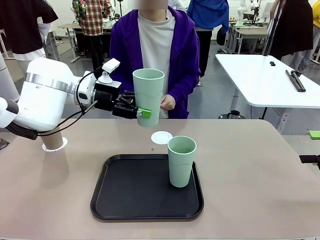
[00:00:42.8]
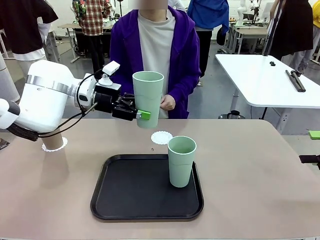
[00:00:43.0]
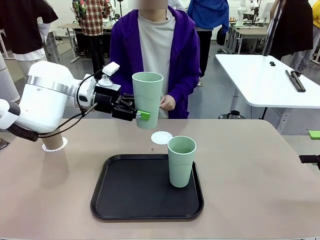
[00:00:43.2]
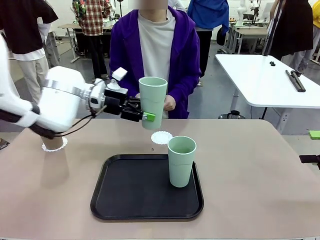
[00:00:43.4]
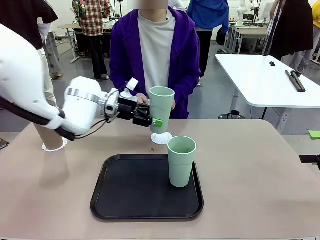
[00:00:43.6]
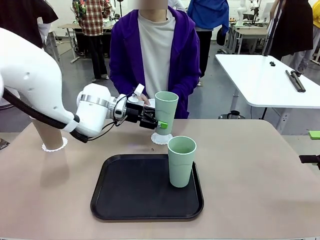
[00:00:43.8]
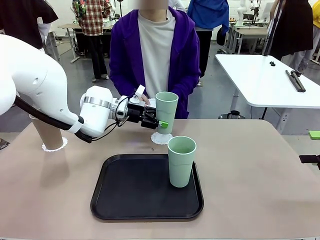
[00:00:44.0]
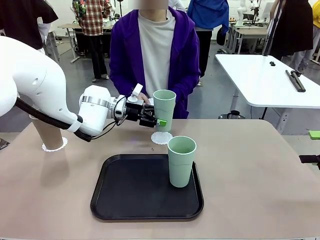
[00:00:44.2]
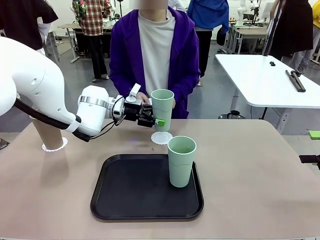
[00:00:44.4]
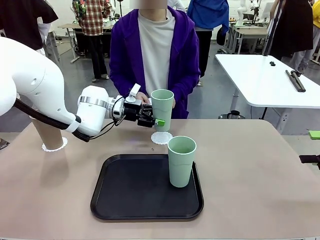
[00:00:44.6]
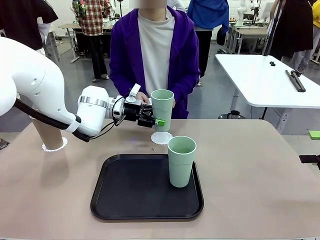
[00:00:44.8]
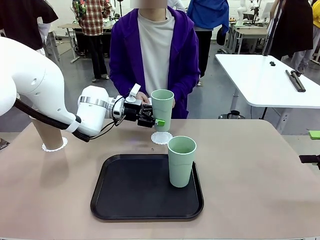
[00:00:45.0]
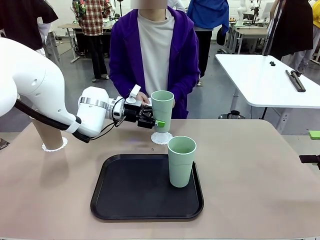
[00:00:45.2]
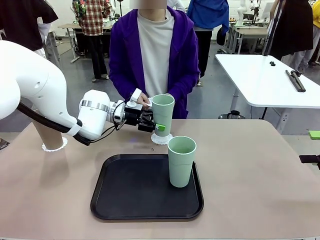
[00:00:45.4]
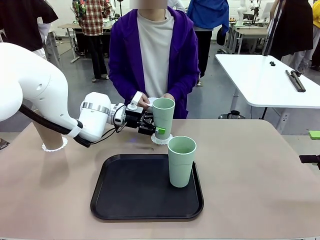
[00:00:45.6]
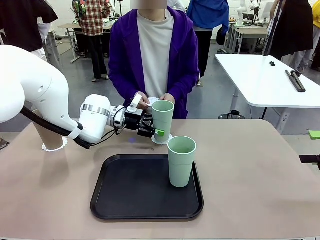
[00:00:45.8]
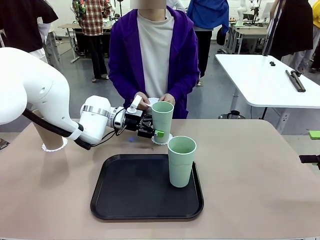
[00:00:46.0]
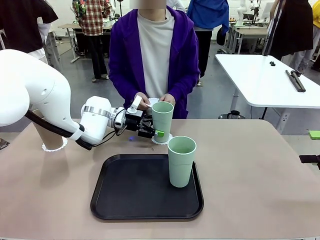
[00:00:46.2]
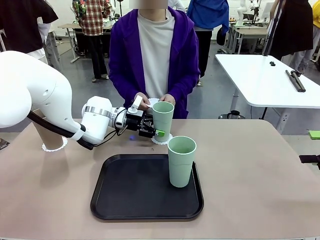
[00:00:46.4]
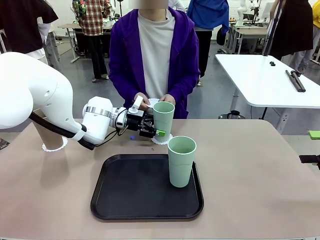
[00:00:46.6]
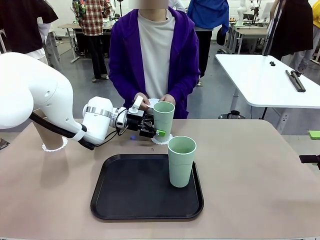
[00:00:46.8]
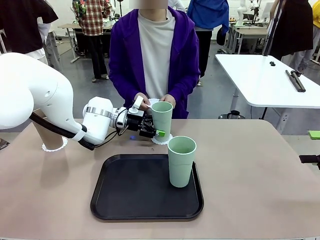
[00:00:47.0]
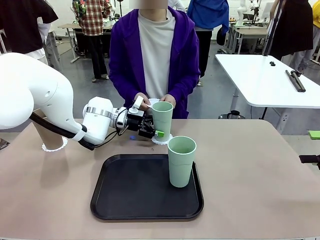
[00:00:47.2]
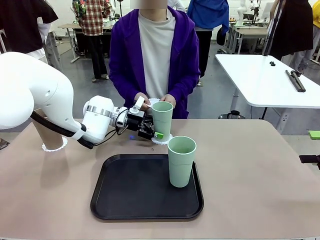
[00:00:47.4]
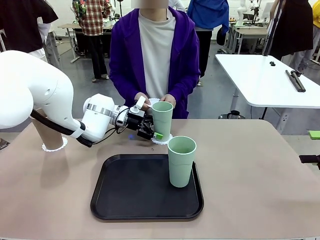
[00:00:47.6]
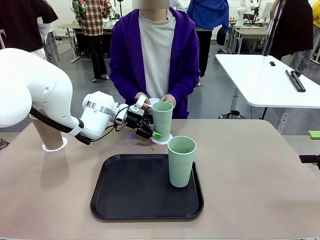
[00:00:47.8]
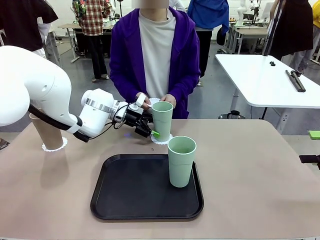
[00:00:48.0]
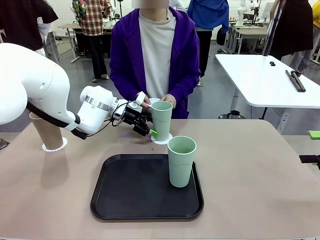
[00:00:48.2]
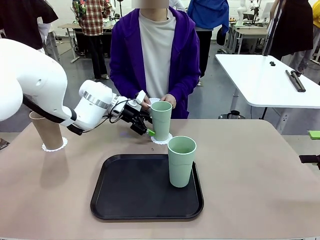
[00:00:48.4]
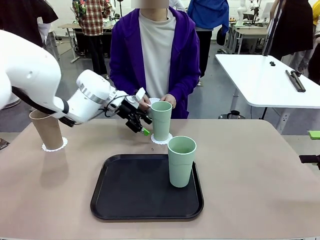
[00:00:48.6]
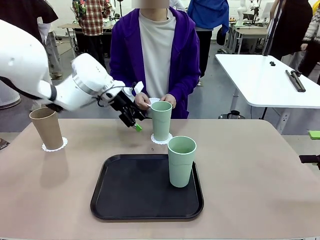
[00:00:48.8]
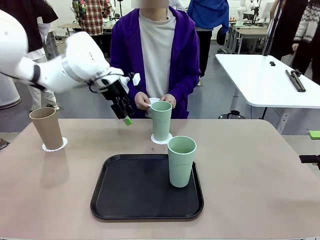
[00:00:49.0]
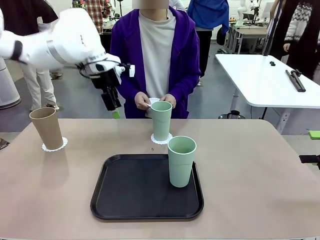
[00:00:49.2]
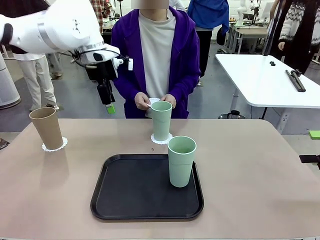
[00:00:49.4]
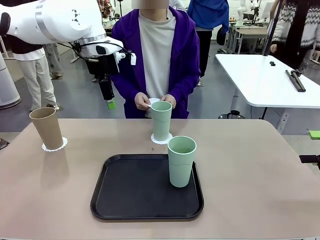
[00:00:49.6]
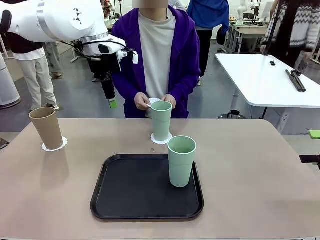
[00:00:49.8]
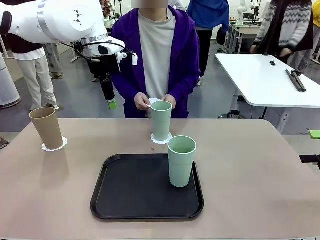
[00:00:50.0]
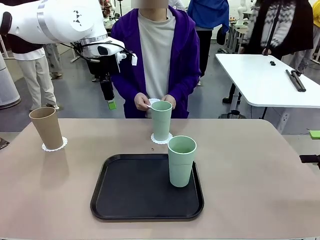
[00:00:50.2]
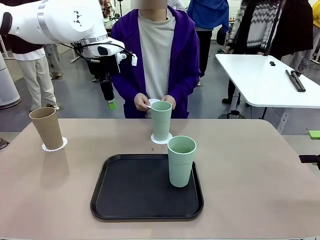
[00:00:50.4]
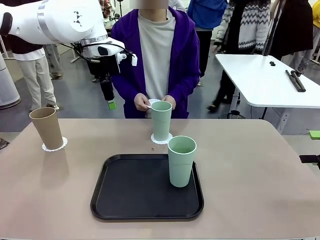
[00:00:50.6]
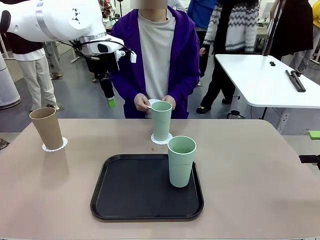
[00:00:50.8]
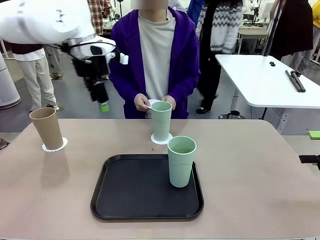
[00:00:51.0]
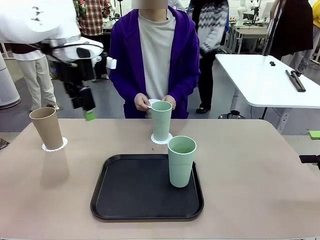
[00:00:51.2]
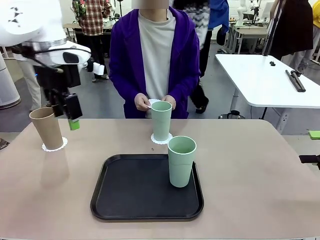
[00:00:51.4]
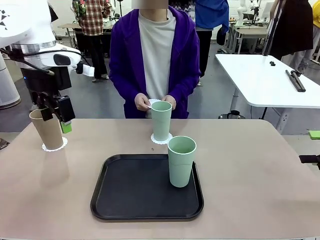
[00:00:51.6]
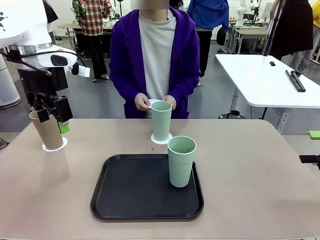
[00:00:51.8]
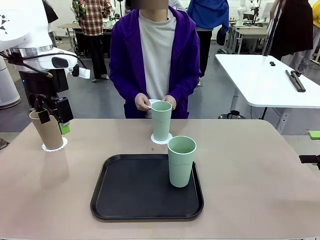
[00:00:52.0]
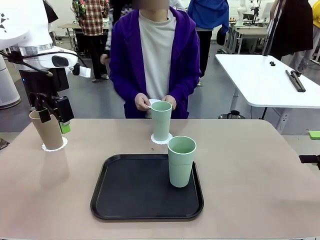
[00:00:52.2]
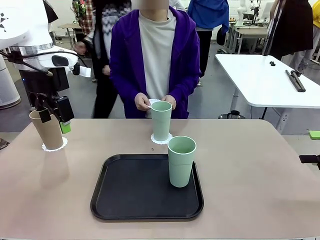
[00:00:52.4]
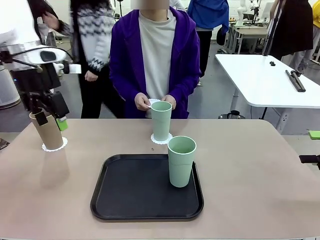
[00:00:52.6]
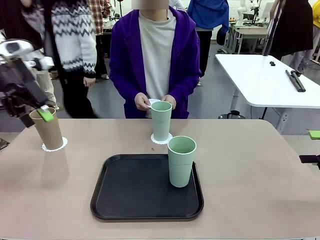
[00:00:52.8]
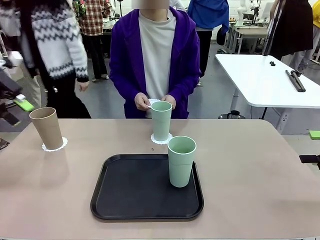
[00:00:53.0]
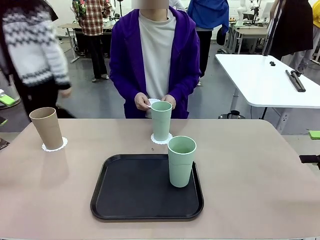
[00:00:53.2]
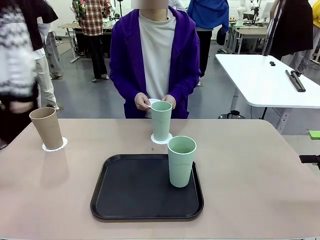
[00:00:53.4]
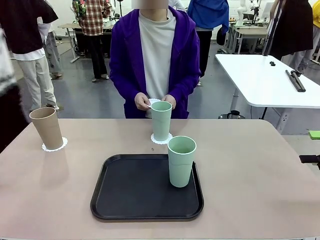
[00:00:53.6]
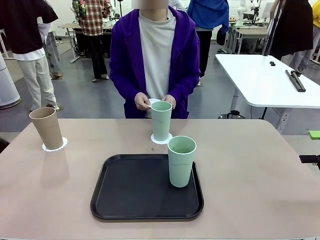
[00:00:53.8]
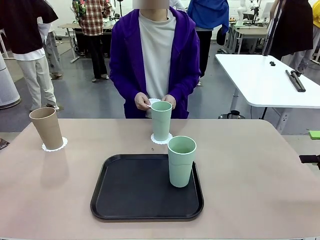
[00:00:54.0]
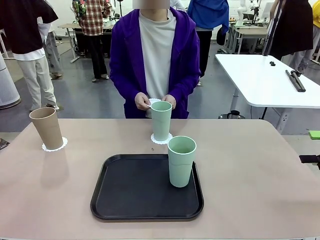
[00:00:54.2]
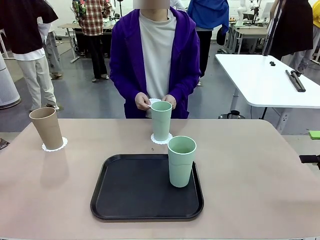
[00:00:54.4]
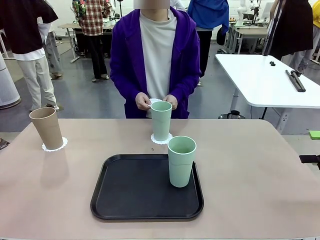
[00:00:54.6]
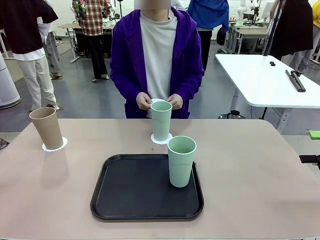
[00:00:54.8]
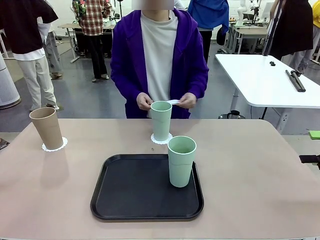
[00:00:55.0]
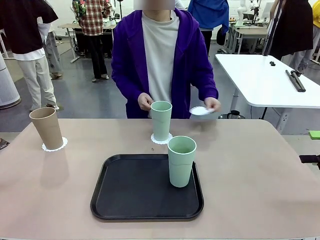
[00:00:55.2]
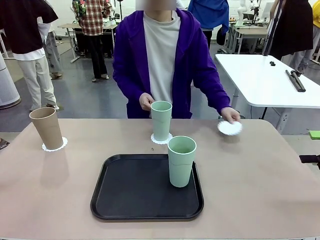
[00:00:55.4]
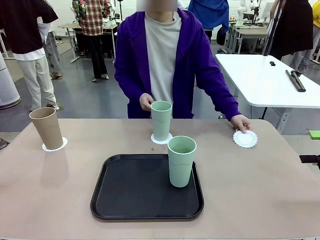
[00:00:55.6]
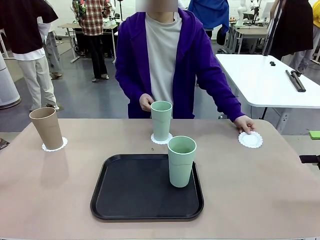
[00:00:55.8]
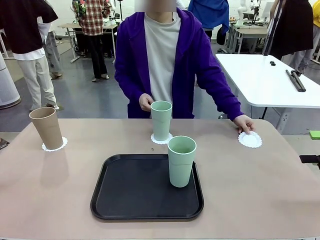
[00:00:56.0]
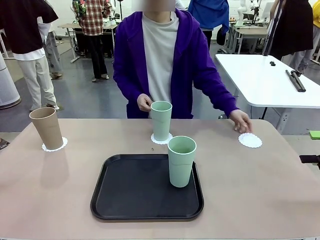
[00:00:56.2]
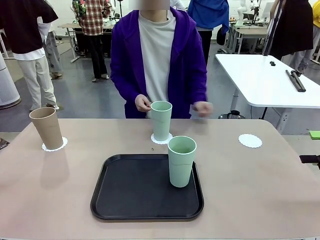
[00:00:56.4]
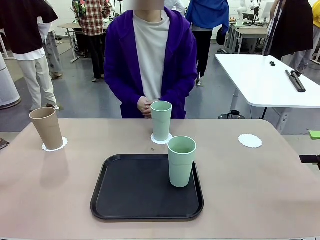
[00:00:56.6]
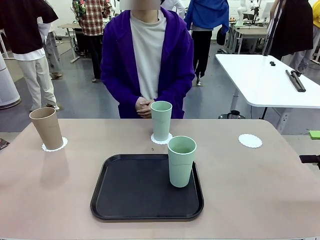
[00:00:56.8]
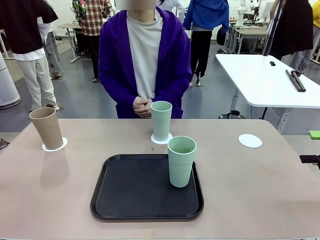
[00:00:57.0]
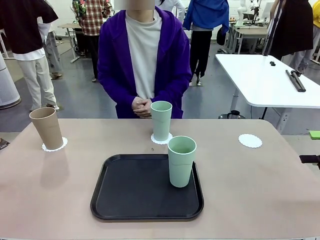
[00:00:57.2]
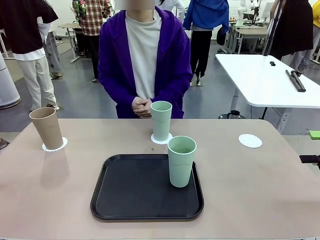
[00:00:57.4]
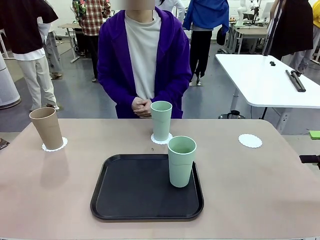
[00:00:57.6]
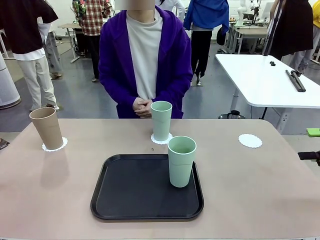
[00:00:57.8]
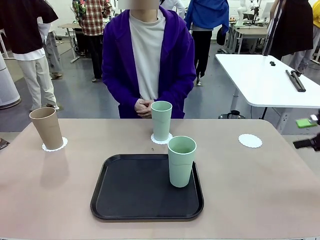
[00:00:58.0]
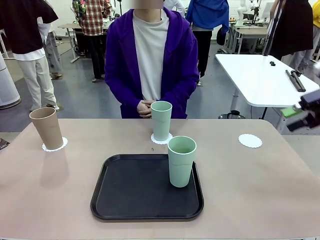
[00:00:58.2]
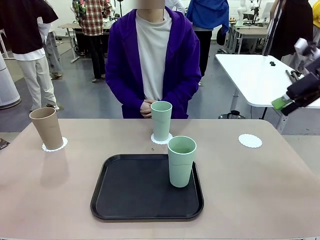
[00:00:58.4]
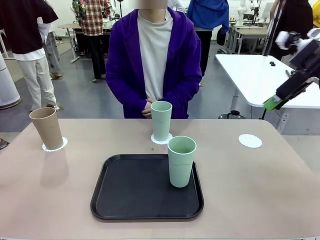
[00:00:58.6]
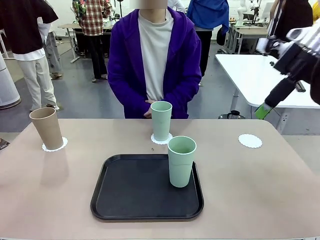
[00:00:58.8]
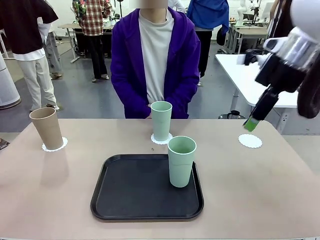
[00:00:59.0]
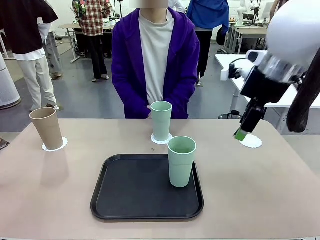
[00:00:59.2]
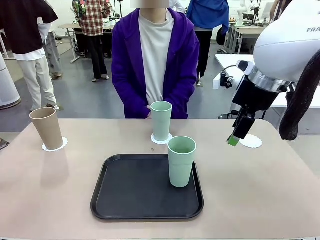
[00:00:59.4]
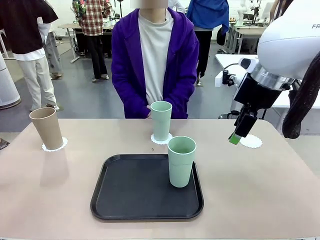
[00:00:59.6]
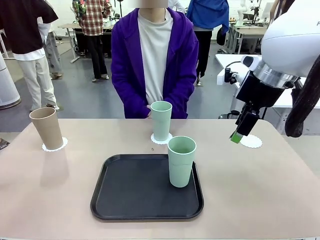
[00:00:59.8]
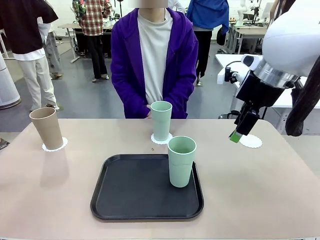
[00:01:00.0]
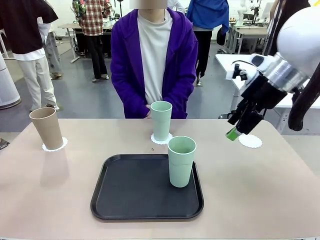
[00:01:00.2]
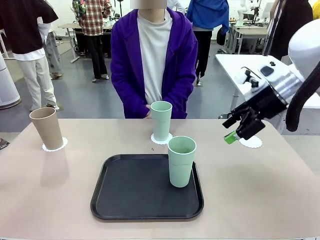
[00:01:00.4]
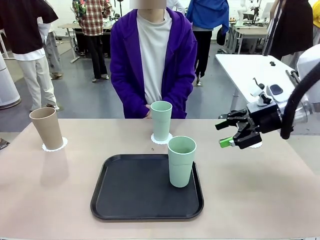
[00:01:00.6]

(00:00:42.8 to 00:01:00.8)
Task: Place coasters on the table and set cups on them.
Robot: Take one Reusable plastic cup from the Flat Tray and place it on a coaster set by the human.
